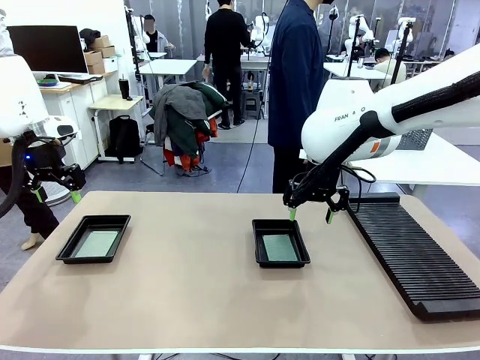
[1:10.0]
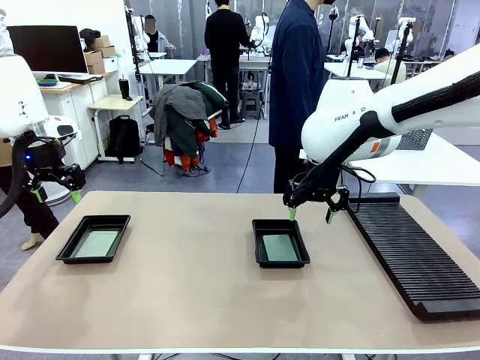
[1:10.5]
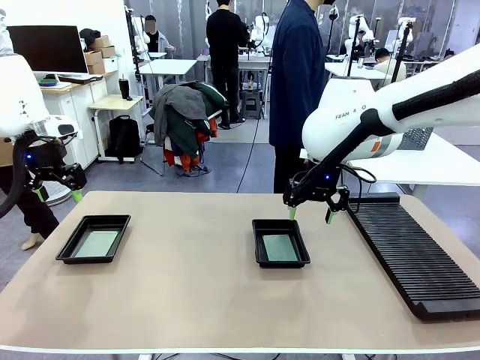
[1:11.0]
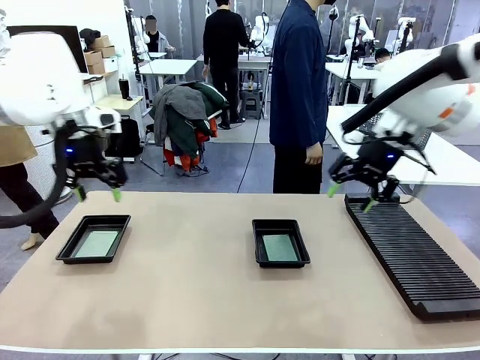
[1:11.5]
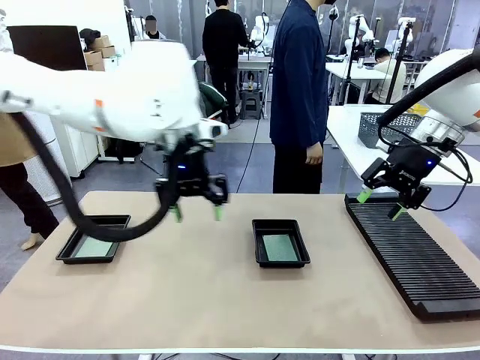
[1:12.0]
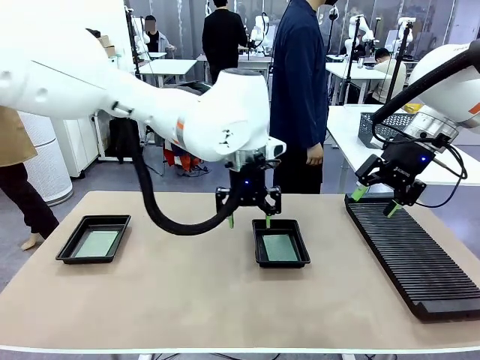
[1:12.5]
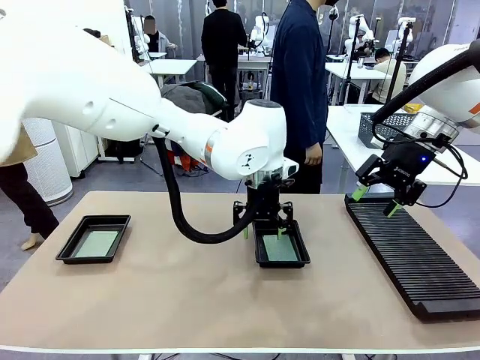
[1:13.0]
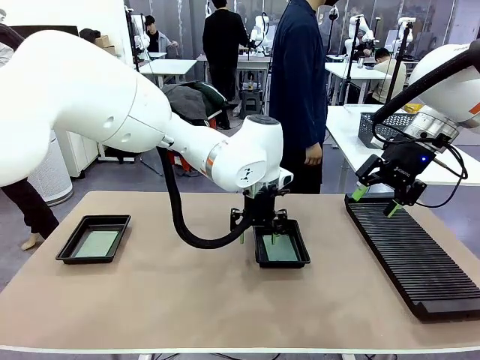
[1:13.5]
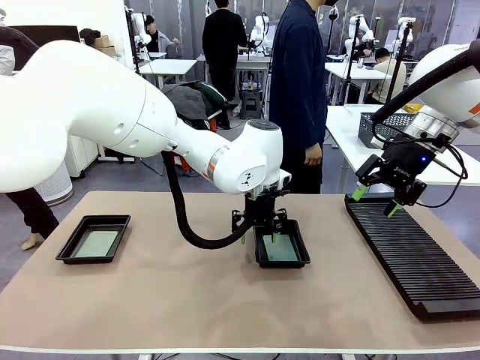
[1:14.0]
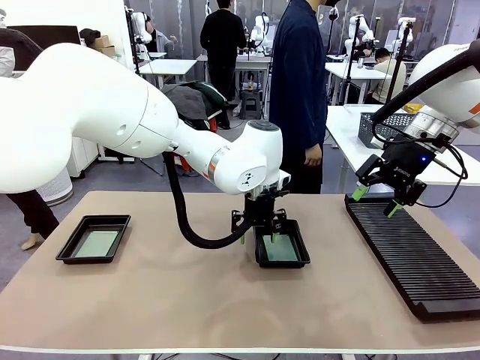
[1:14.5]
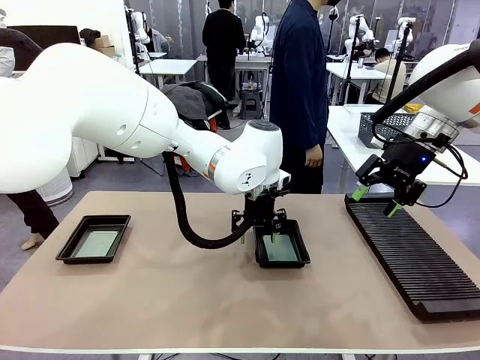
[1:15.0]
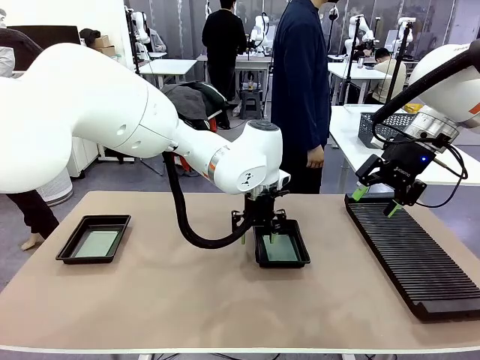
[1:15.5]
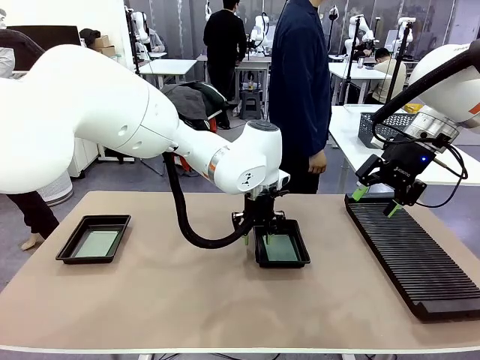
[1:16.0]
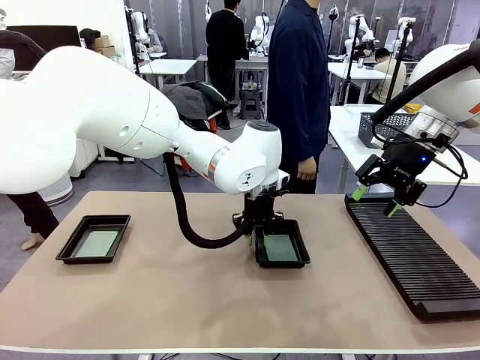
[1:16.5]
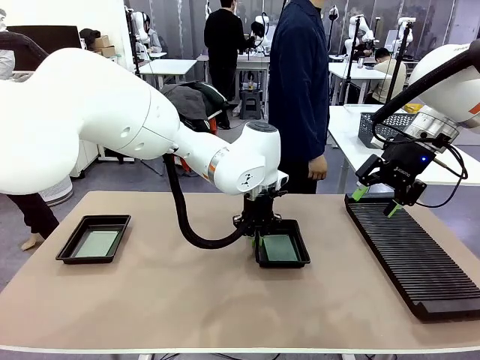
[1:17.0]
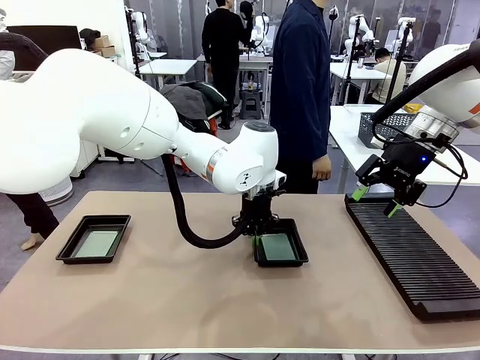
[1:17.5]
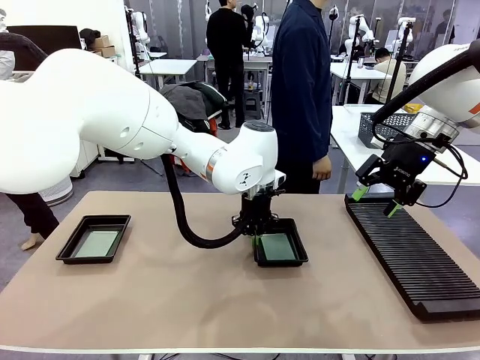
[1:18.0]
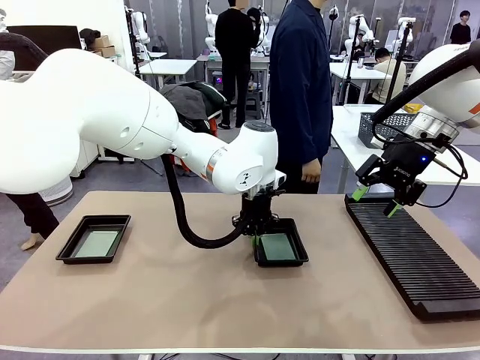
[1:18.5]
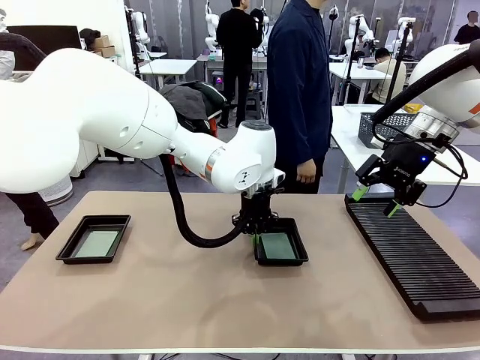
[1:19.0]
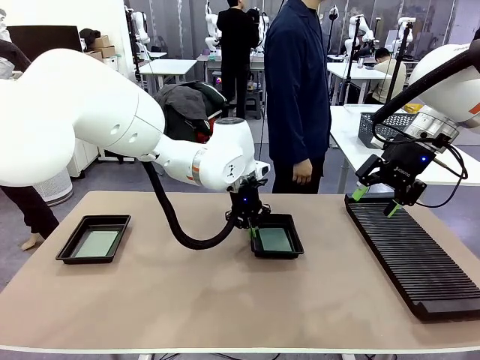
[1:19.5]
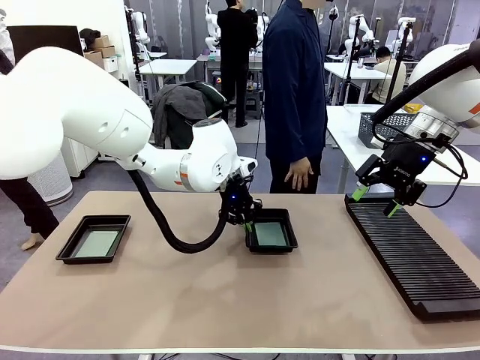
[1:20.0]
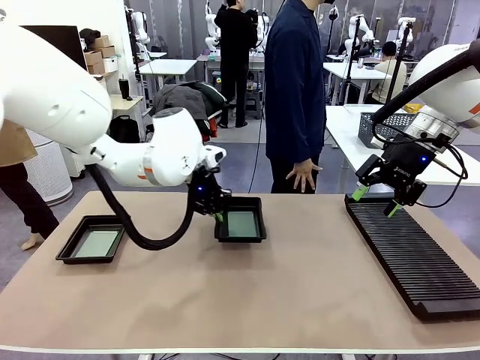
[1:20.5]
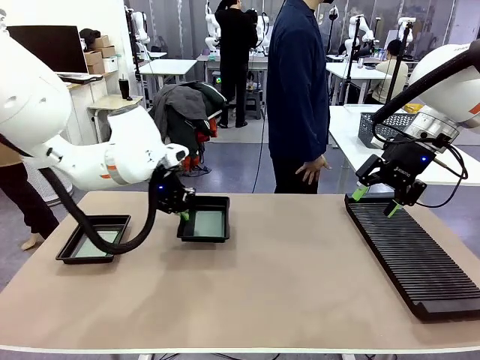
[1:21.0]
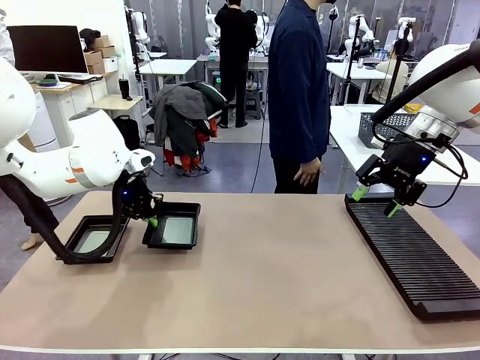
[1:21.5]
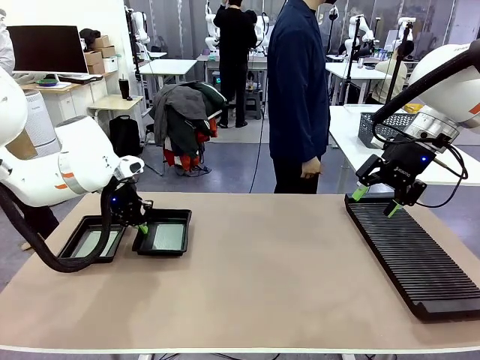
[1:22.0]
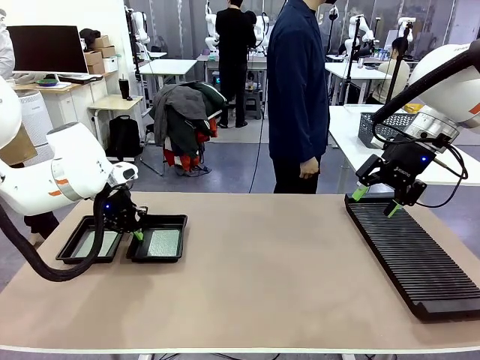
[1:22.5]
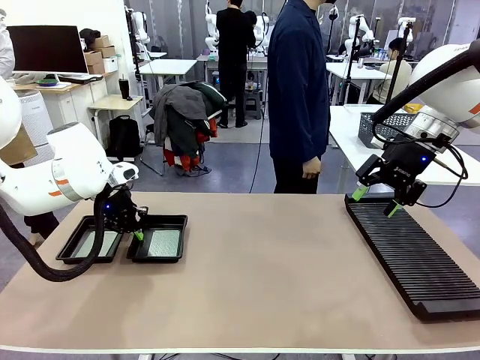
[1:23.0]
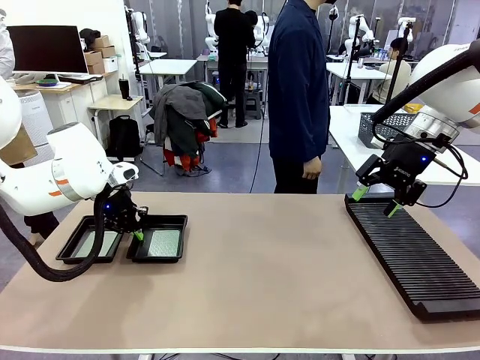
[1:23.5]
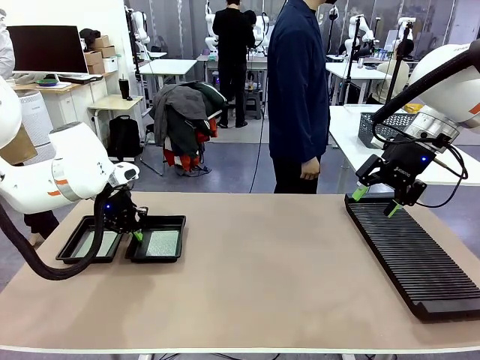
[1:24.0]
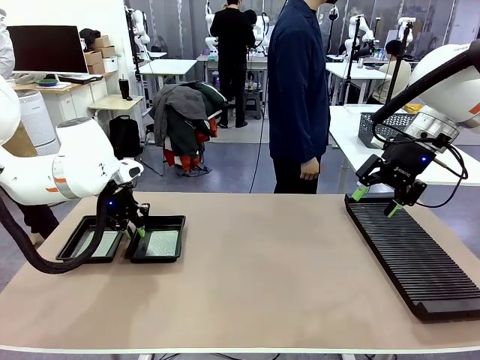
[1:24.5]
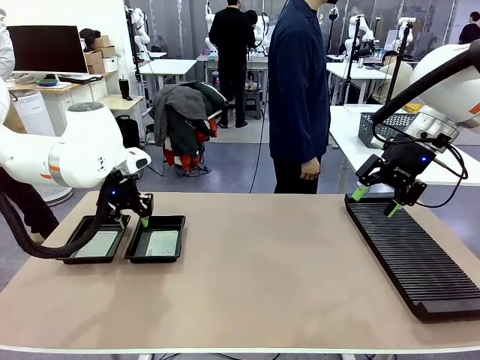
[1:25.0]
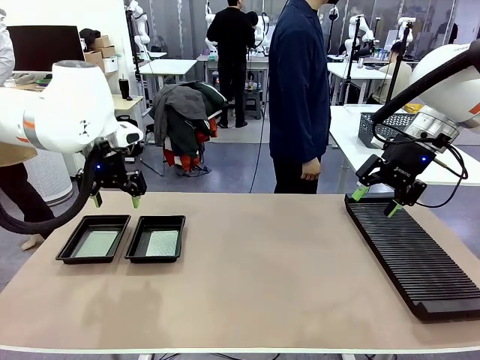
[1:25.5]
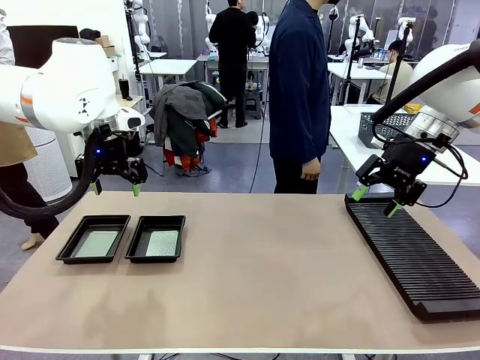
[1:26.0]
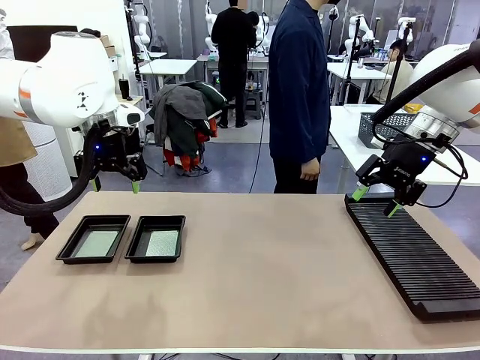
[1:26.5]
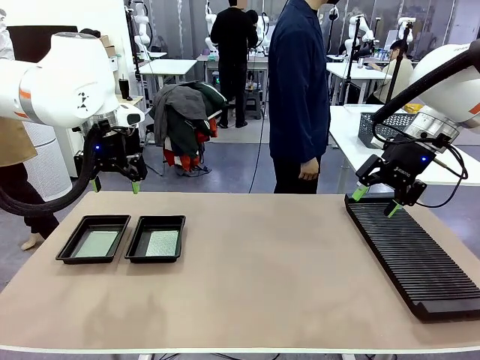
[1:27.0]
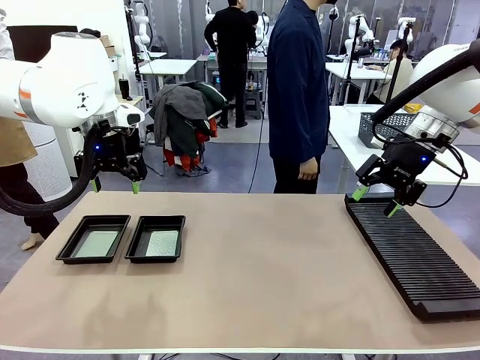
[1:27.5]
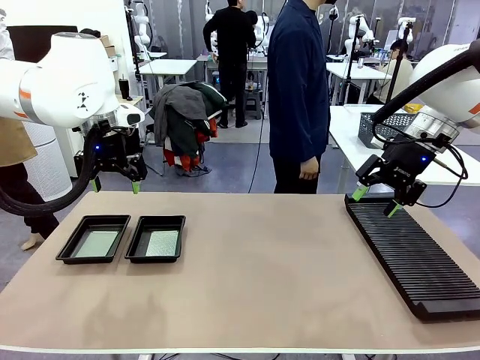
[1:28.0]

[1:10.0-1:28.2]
Task: Inspect and transfer BCBs to ESD trays.
Robot: Pick up the ESD tray and place it on the left side of the table.

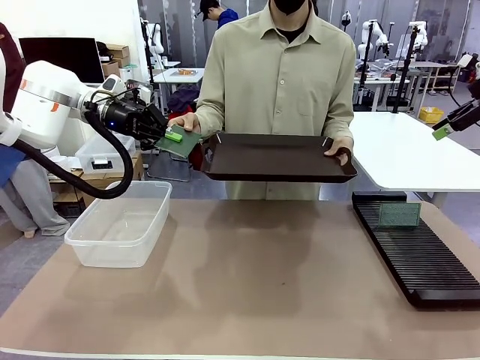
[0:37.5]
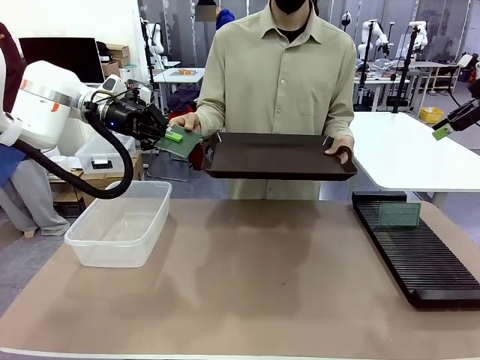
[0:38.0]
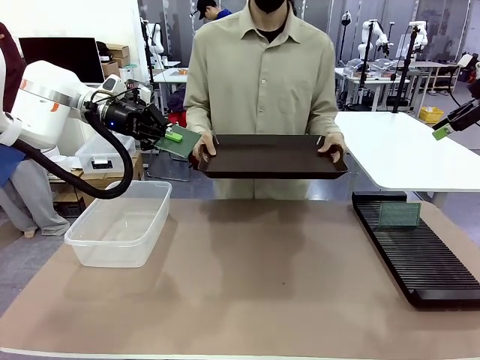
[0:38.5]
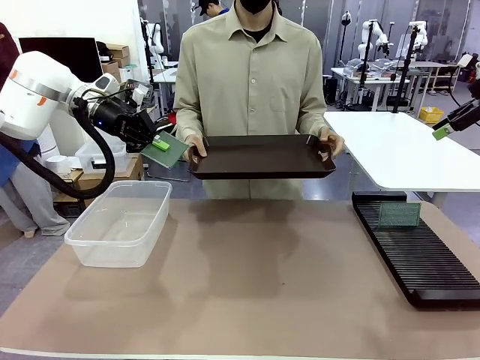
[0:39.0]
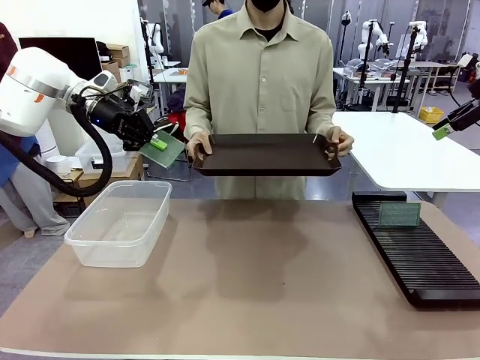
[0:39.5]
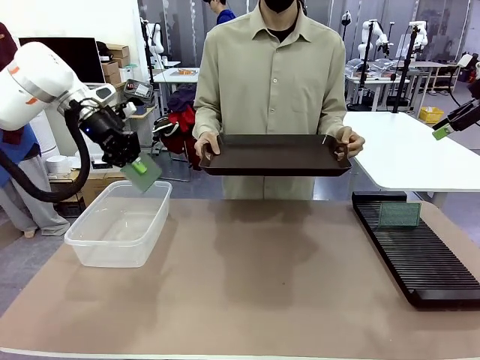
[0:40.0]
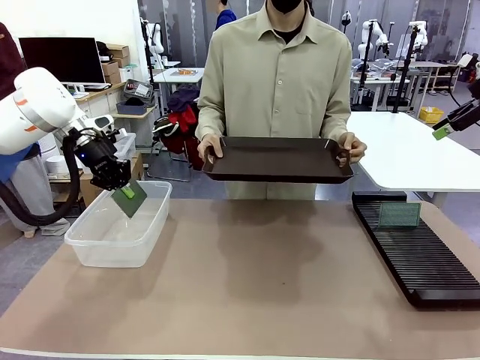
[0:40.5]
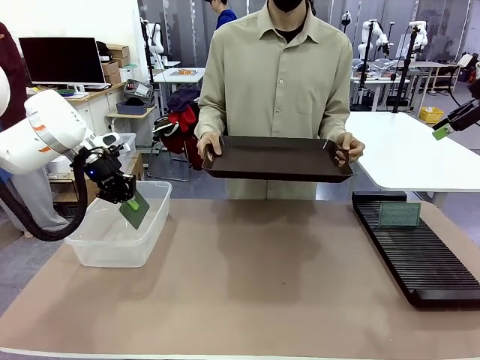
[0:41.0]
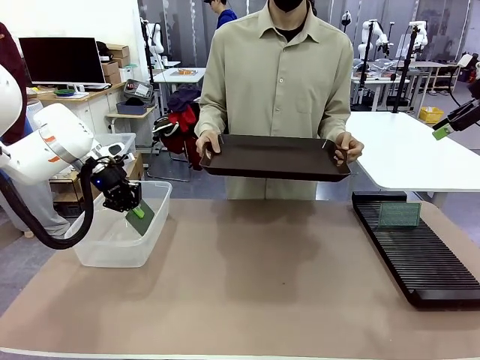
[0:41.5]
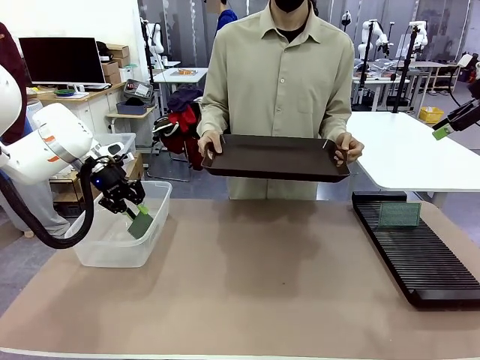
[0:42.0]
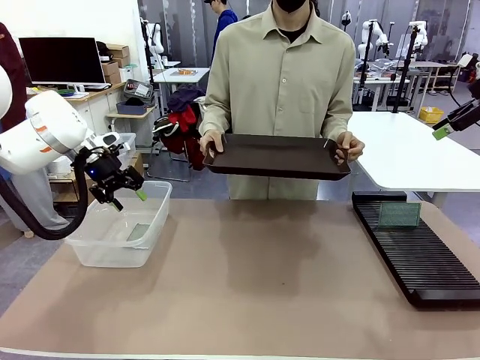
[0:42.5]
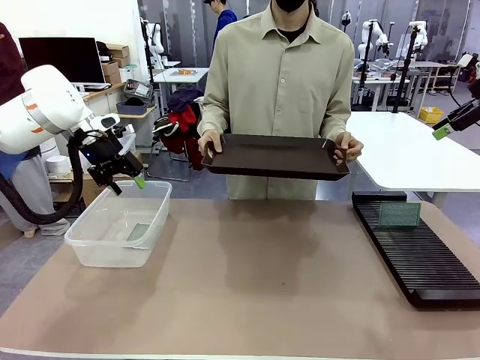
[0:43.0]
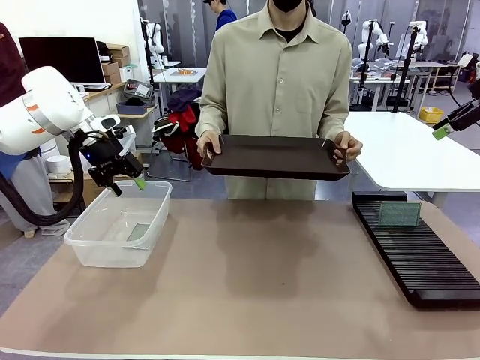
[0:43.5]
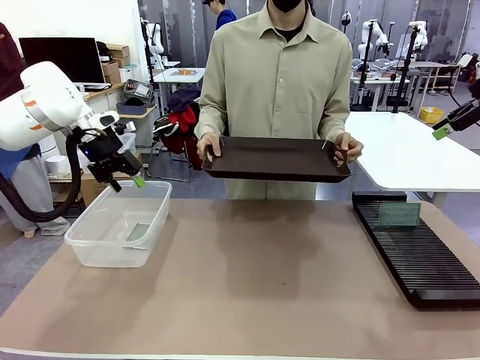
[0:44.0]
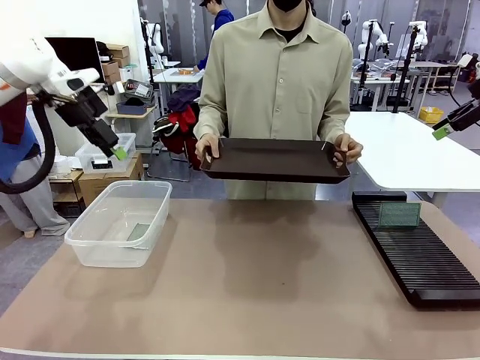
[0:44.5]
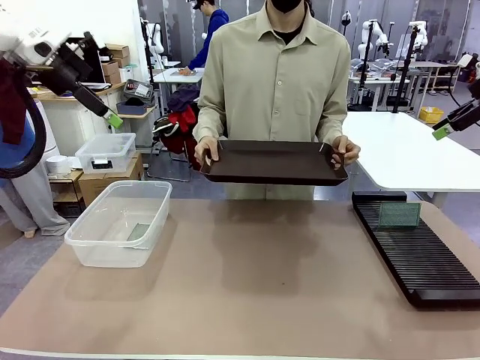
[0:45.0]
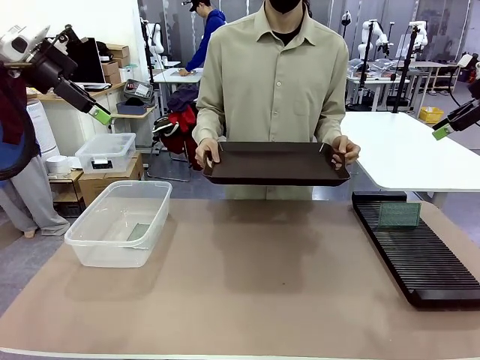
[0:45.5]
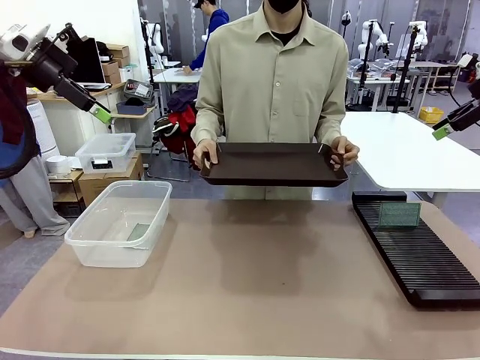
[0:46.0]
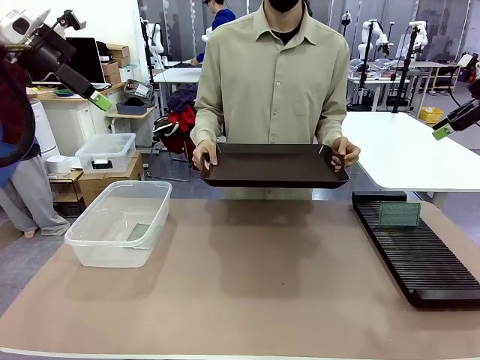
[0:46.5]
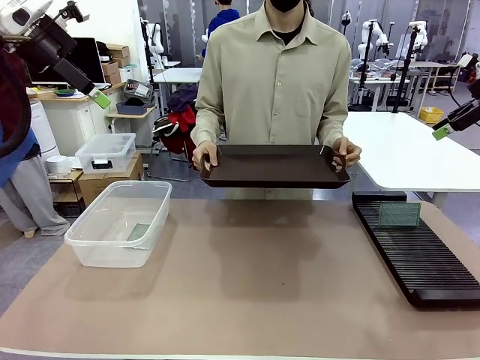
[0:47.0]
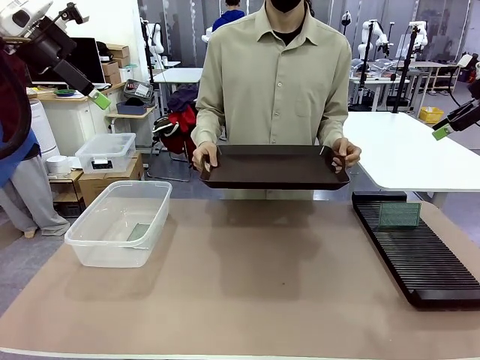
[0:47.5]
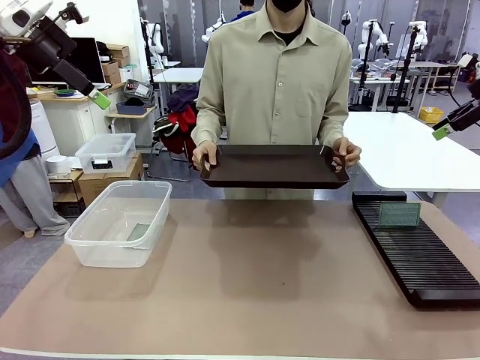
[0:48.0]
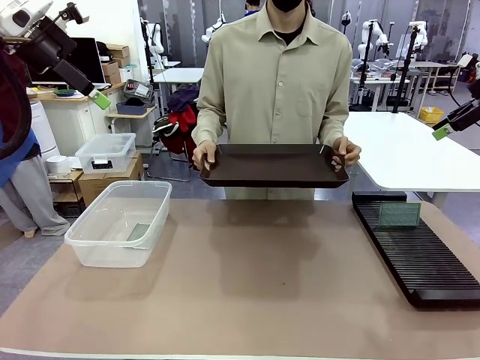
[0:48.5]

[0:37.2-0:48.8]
Task: Sort PCBs into racks and boxes based on the side picked up.
Robot: If the short side of the Blank PCB is picked up, insert it into the PCB Rack ; if the long side is picked up, place it in the Organizing box.
Person: Release the PCB being held.
